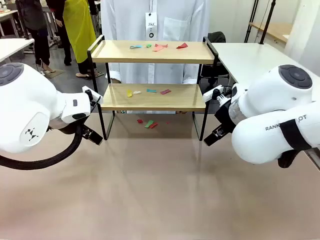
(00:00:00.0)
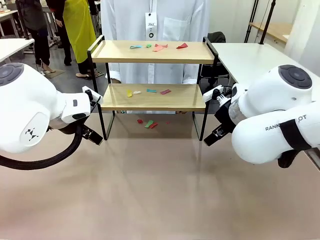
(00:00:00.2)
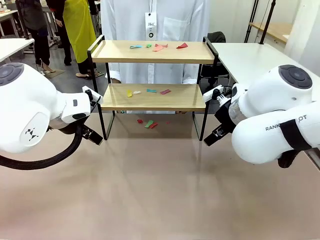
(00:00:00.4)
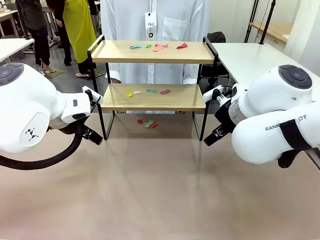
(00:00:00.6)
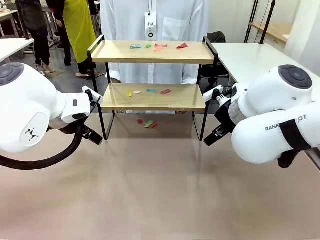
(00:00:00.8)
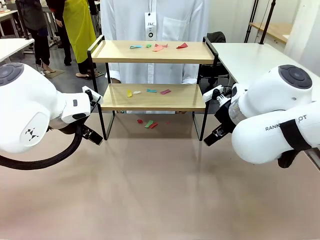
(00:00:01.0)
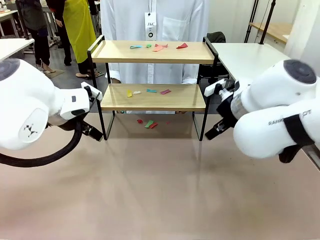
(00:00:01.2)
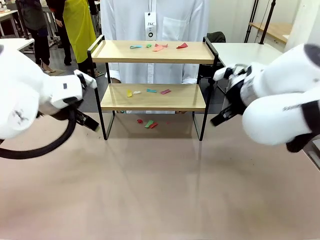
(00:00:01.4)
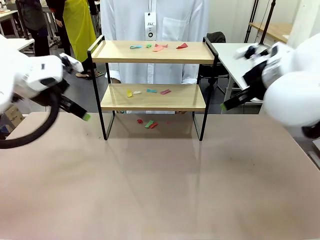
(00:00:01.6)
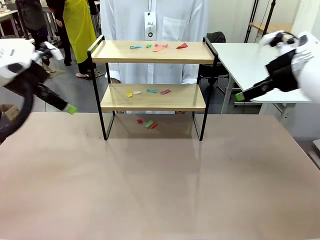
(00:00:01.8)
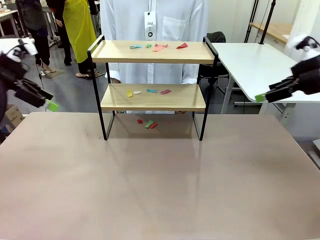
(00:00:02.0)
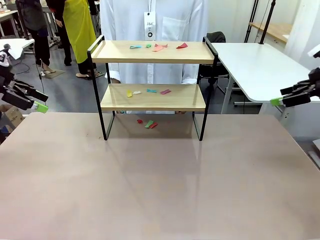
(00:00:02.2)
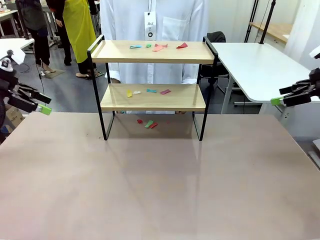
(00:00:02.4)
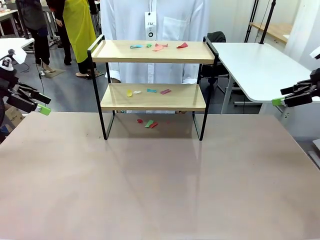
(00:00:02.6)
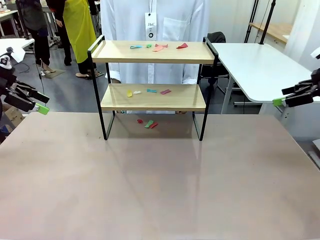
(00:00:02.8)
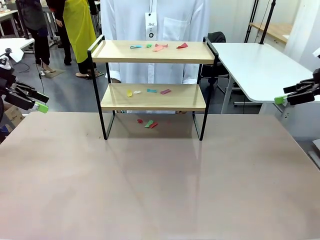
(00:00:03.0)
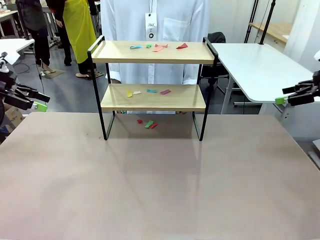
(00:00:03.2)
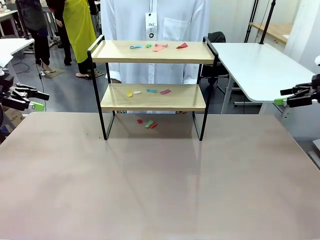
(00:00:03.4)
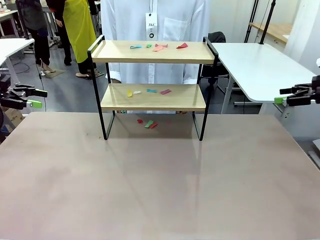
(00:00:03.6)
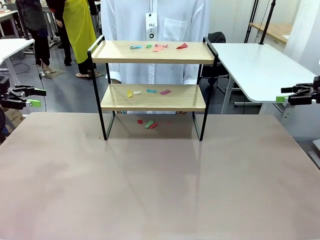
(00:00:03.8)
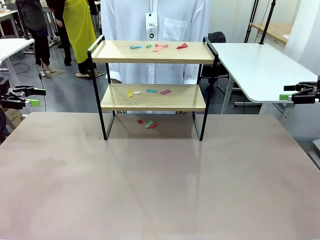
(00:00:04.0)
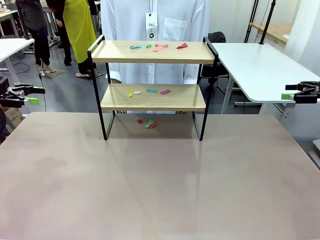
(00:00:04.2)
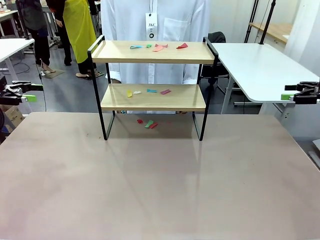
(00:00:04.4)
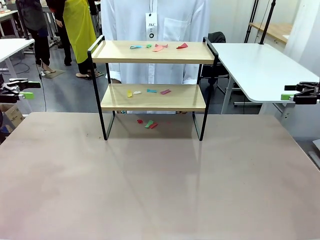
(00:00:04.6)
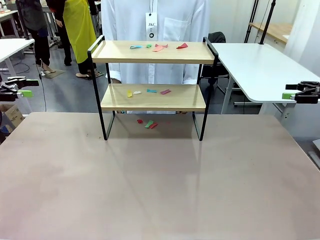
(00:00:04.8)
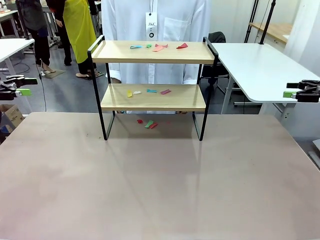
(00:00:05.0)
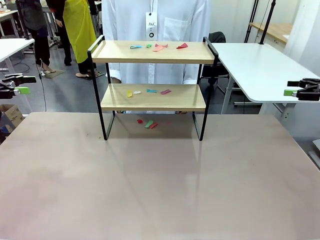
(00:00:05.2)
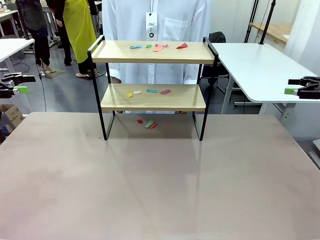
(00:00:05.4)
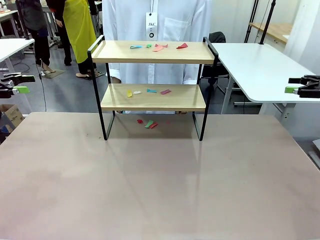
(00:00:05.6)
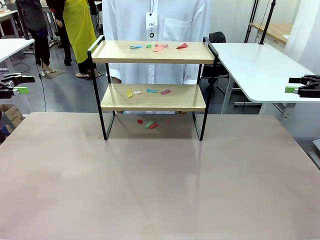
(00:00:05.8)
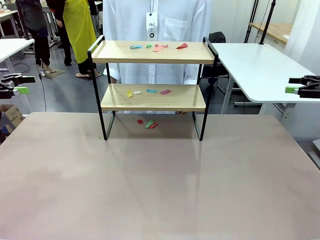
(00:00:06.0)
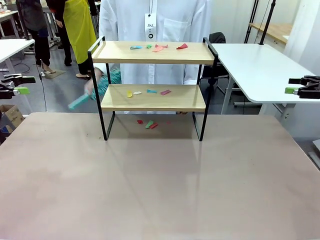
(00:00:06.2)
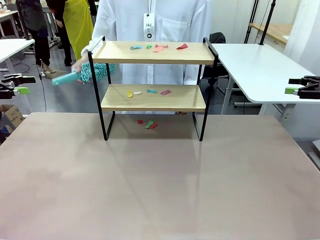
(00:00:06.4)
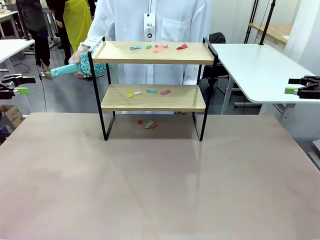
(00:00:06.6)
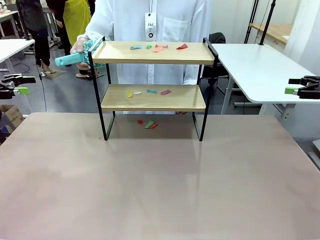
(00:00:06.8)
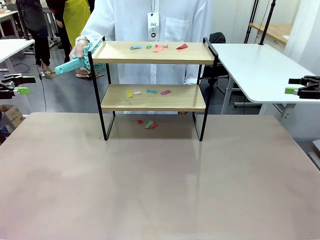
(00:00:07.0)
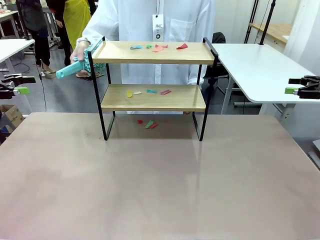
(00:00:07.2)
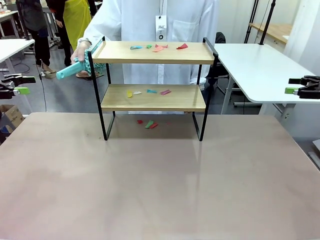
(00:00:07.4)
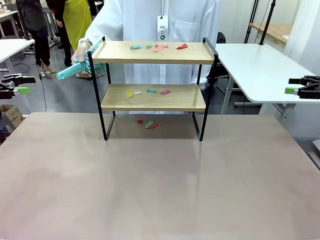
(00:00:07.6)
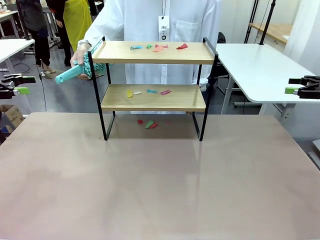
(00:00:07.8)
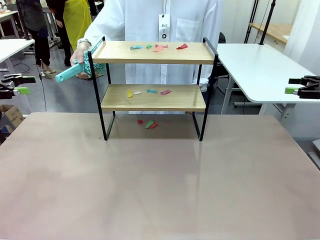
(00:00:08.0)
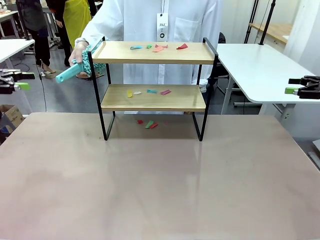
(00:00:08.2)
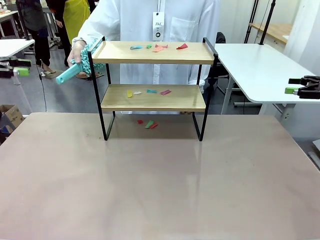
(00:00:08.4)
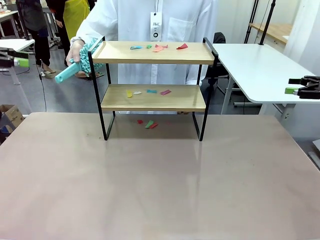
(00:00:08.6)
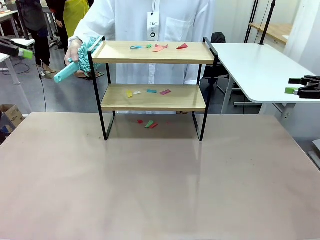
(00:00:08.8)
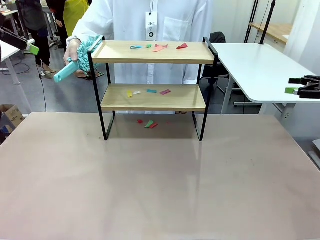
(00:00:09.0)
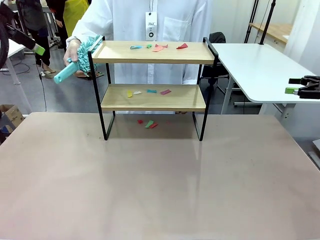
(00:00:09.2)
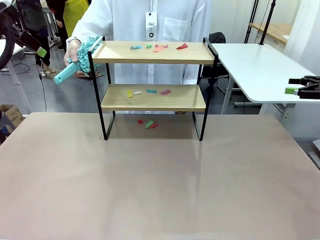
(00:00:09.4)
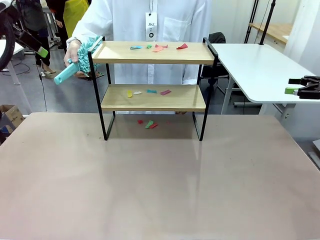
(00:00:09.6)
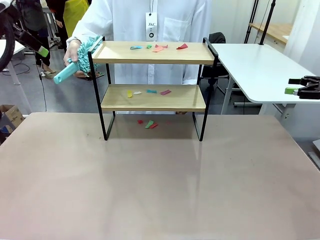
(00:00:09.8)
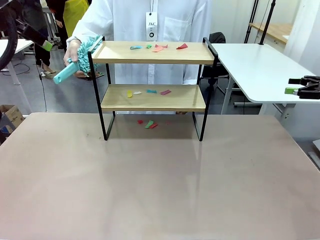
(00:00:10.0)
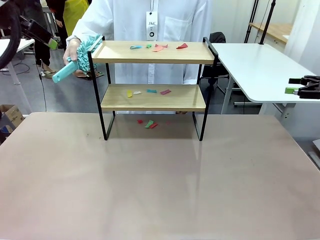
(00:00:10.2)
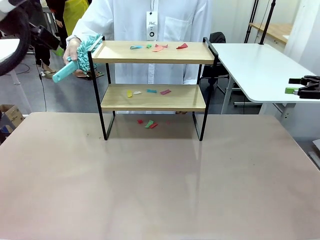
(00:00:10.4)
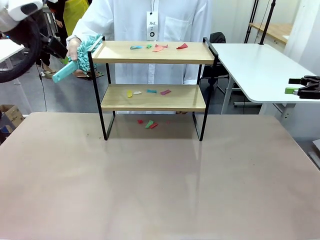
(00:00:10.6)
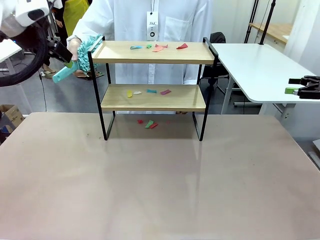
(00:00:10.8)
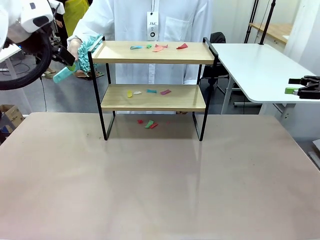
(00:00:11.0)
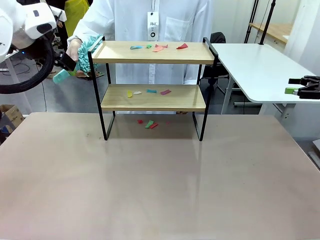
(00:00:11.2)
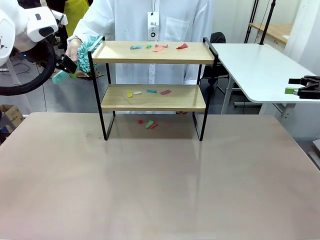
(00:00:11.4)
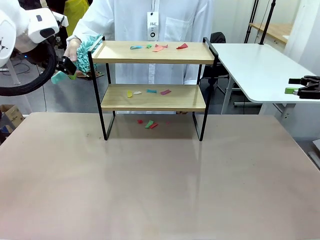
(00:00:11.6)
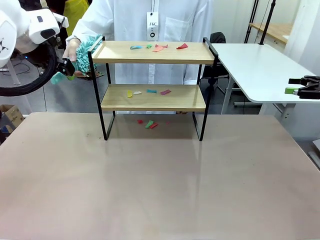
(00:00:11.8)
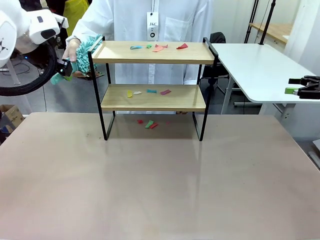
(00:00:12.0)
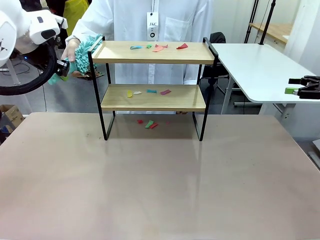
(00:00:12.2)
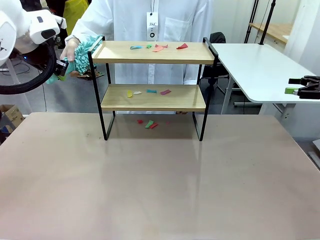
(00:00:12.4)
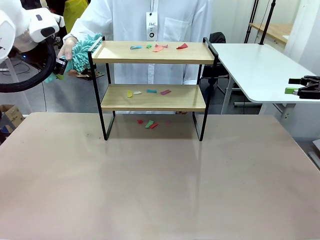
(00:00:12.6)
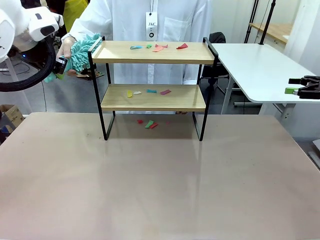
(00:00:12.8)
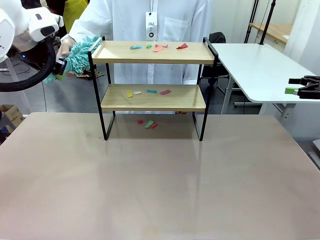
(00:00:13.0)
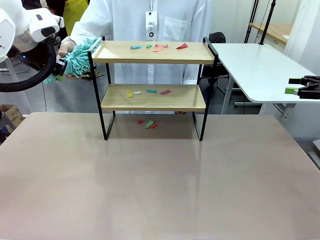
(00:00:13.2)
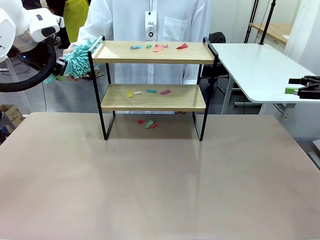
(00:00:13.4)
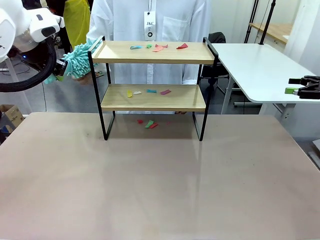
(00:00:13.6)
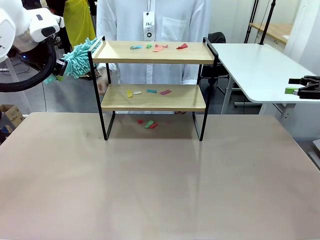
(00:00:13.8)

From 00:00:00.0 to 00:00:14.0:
Task: Clean the shelf.
Robot: Pick up the Duster handed by the human.
Person: Hand the Duster to the robot.
